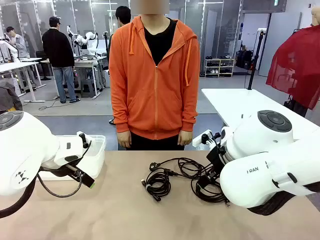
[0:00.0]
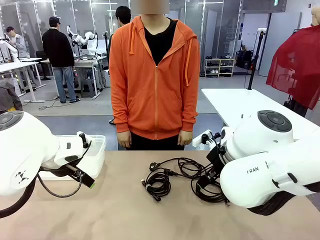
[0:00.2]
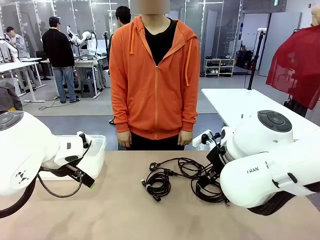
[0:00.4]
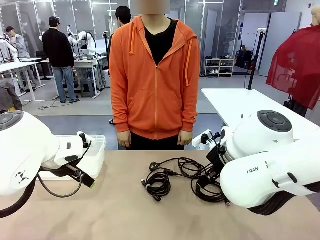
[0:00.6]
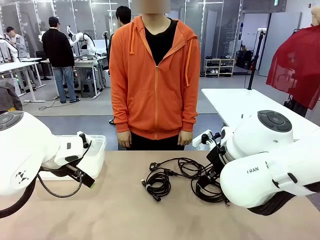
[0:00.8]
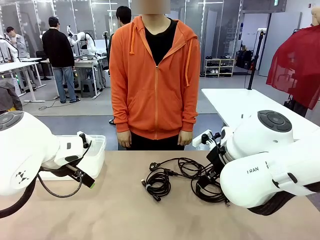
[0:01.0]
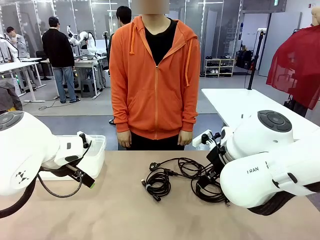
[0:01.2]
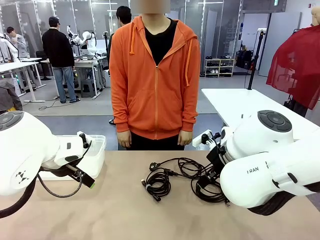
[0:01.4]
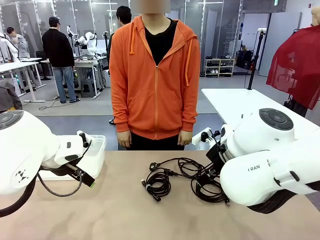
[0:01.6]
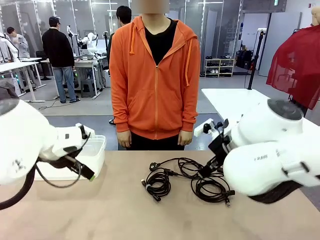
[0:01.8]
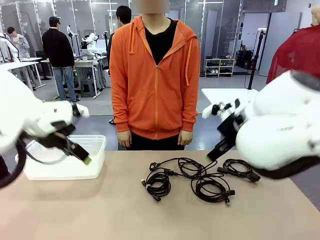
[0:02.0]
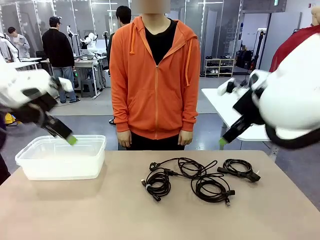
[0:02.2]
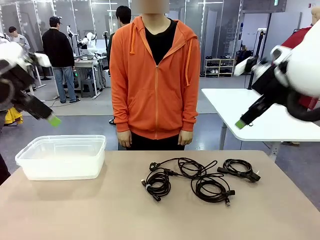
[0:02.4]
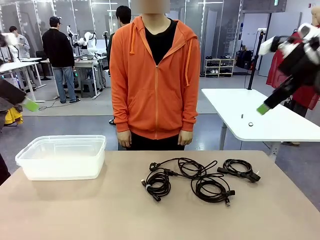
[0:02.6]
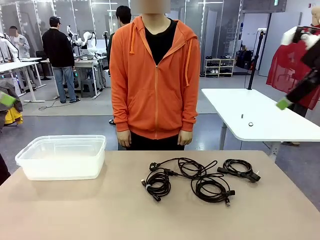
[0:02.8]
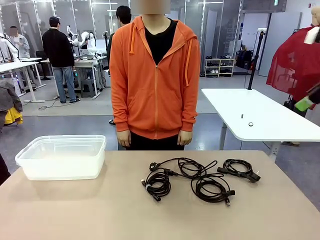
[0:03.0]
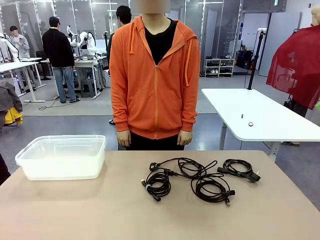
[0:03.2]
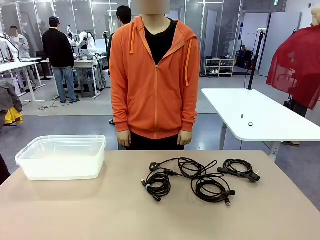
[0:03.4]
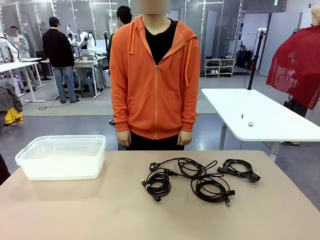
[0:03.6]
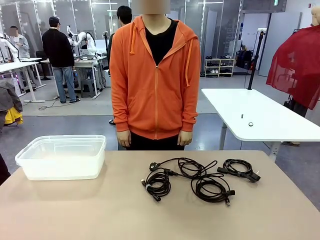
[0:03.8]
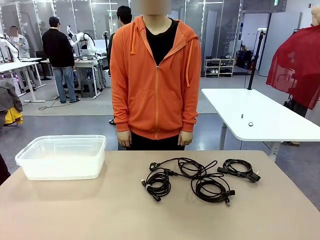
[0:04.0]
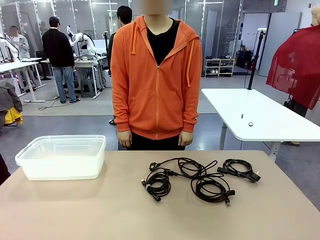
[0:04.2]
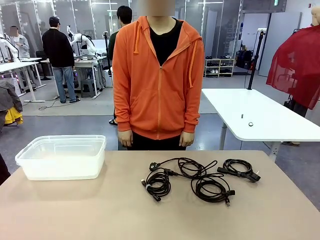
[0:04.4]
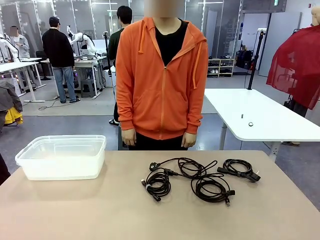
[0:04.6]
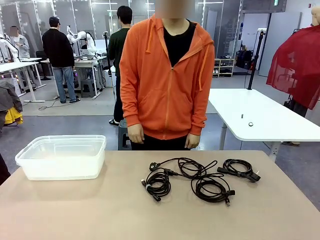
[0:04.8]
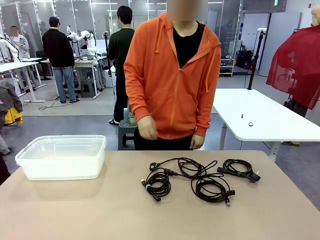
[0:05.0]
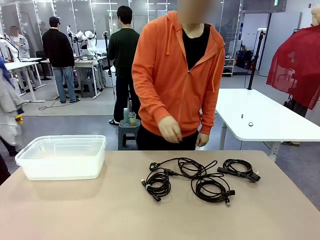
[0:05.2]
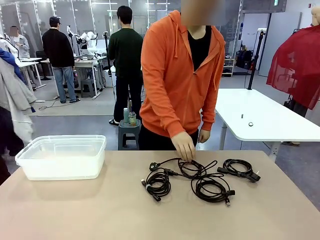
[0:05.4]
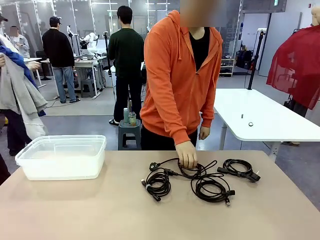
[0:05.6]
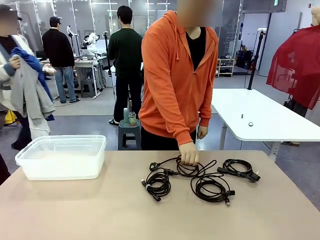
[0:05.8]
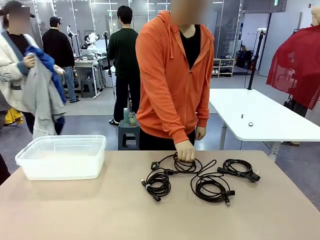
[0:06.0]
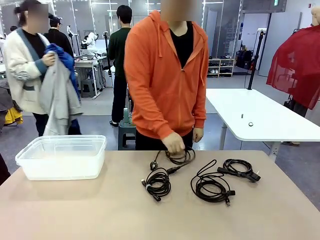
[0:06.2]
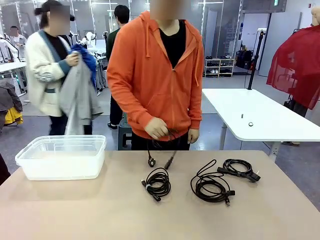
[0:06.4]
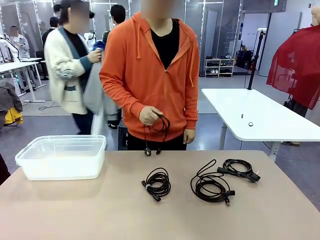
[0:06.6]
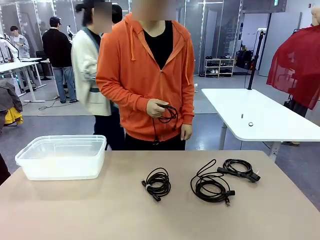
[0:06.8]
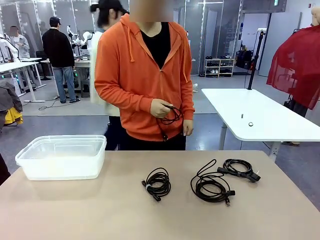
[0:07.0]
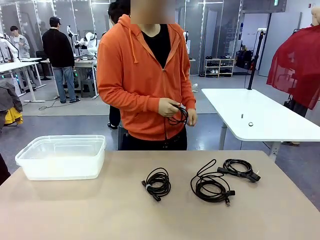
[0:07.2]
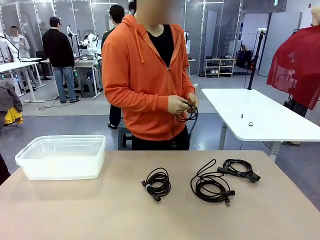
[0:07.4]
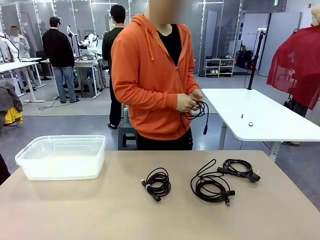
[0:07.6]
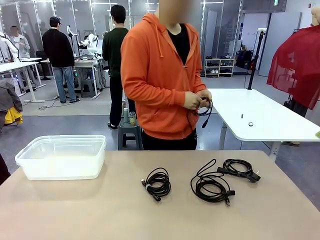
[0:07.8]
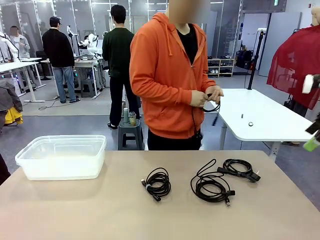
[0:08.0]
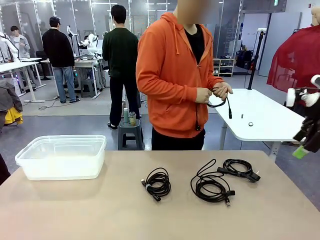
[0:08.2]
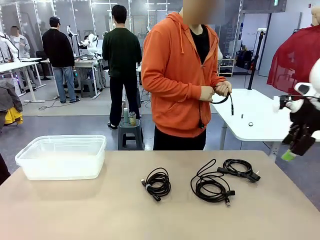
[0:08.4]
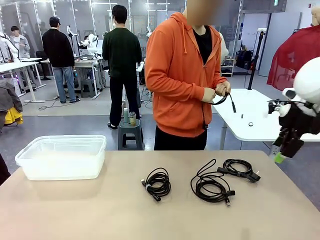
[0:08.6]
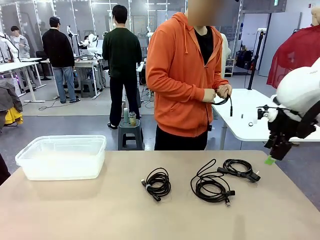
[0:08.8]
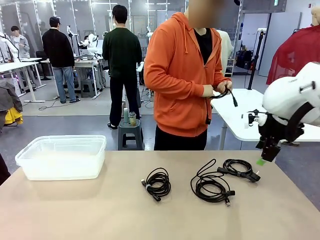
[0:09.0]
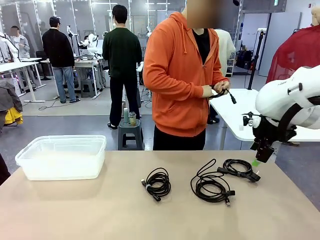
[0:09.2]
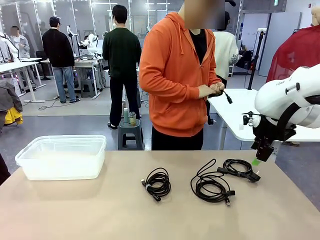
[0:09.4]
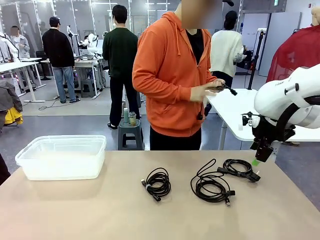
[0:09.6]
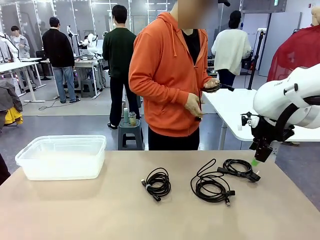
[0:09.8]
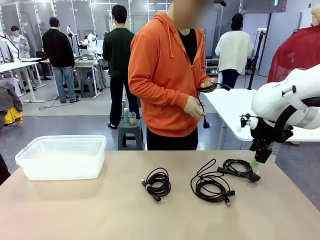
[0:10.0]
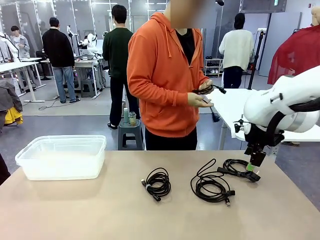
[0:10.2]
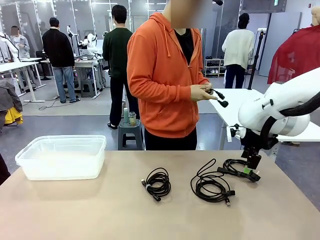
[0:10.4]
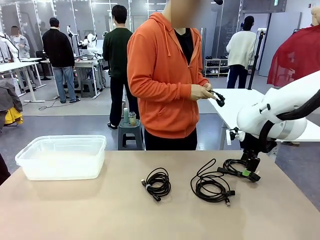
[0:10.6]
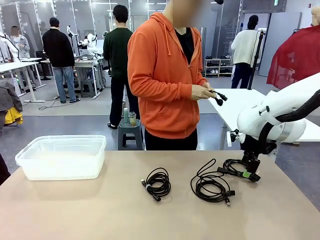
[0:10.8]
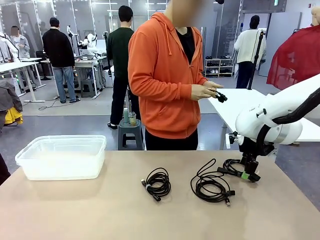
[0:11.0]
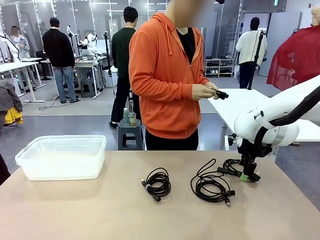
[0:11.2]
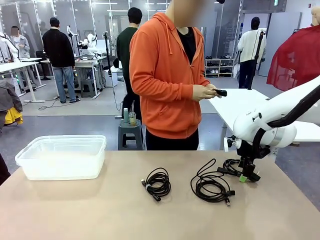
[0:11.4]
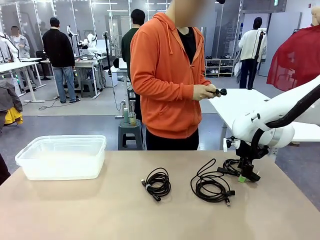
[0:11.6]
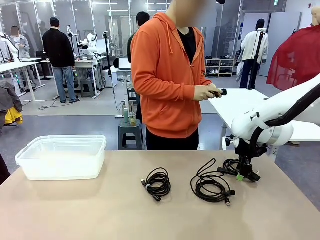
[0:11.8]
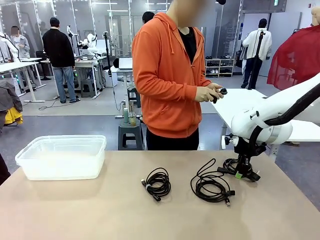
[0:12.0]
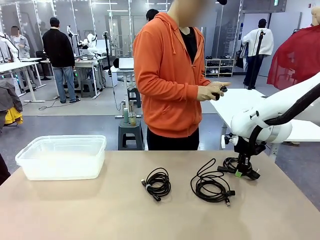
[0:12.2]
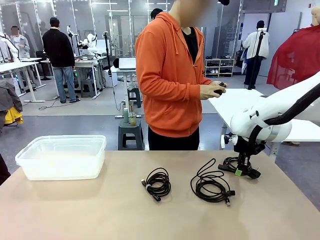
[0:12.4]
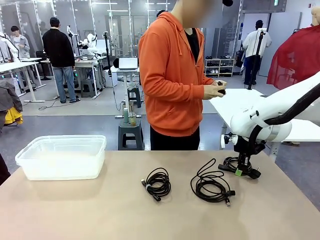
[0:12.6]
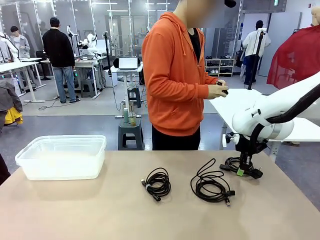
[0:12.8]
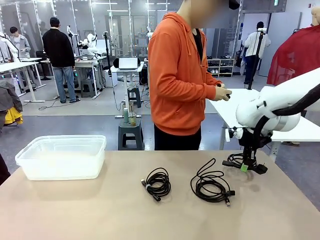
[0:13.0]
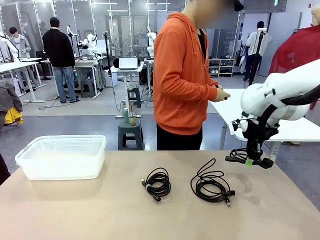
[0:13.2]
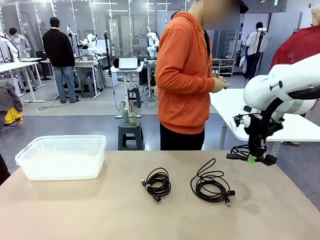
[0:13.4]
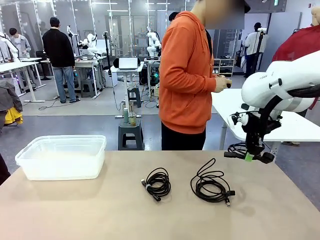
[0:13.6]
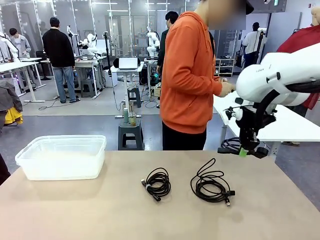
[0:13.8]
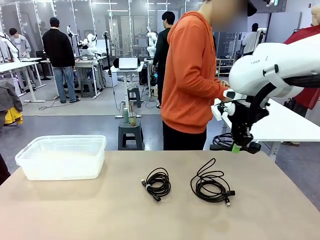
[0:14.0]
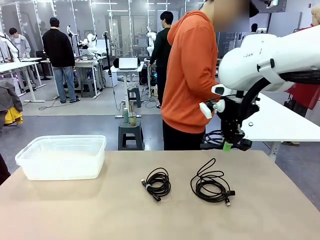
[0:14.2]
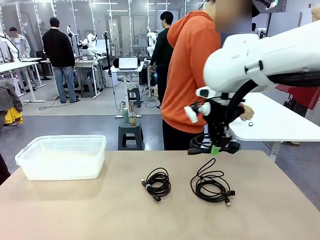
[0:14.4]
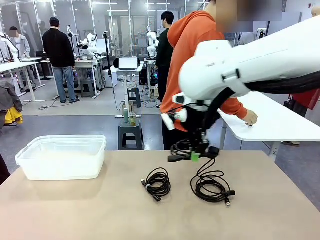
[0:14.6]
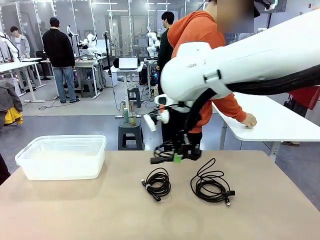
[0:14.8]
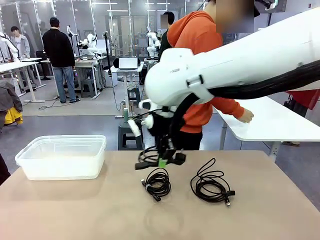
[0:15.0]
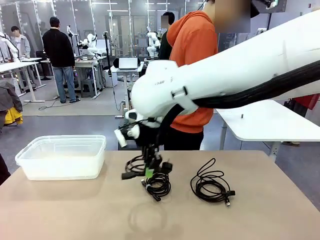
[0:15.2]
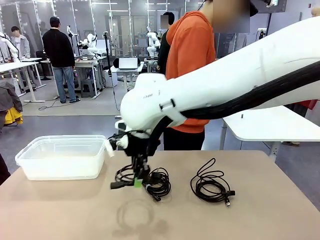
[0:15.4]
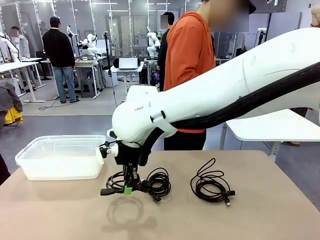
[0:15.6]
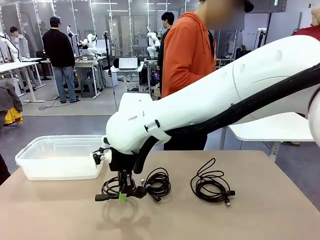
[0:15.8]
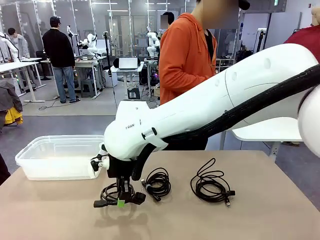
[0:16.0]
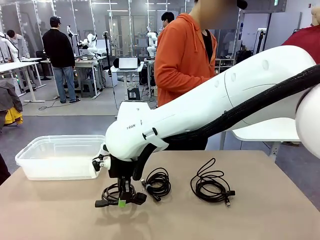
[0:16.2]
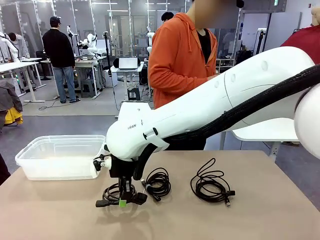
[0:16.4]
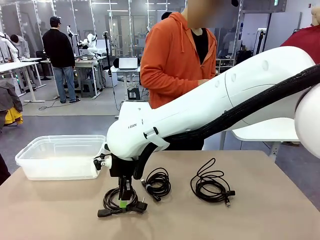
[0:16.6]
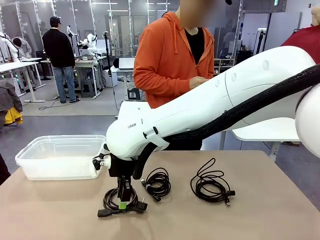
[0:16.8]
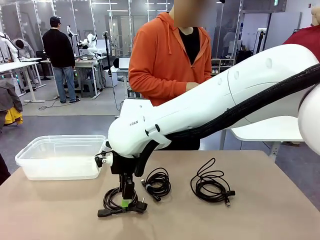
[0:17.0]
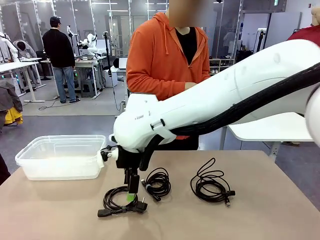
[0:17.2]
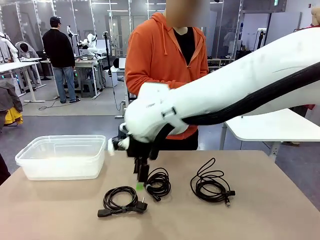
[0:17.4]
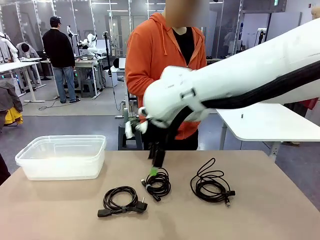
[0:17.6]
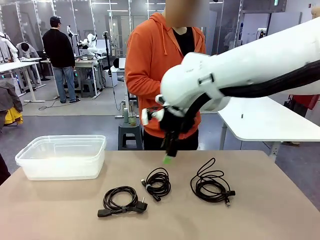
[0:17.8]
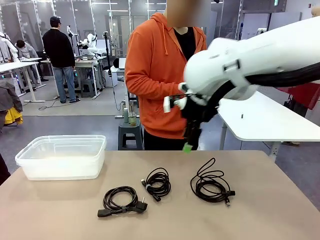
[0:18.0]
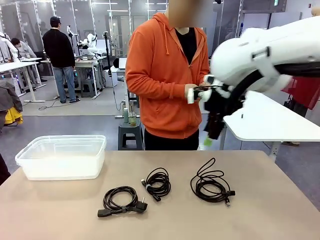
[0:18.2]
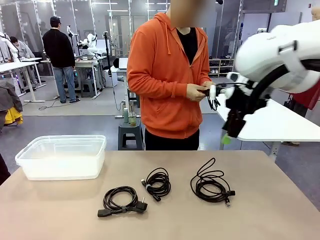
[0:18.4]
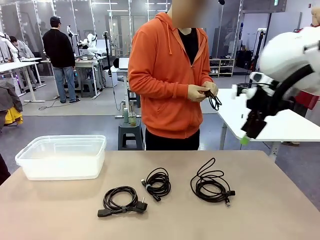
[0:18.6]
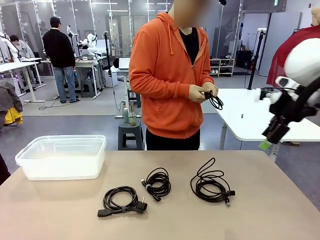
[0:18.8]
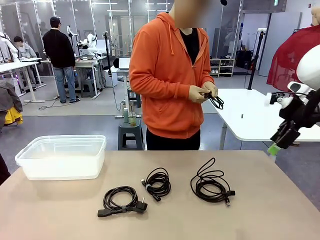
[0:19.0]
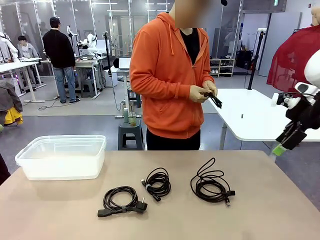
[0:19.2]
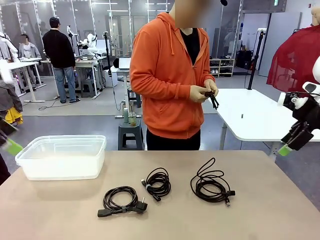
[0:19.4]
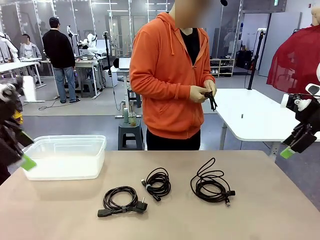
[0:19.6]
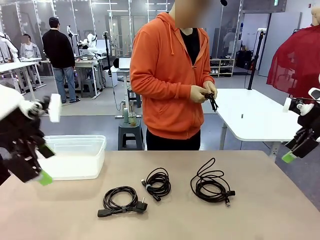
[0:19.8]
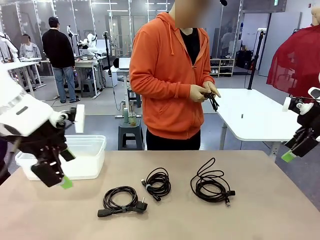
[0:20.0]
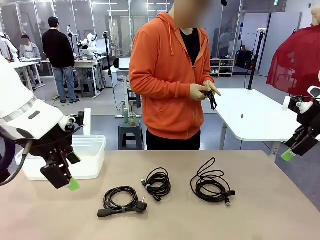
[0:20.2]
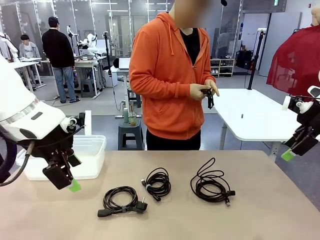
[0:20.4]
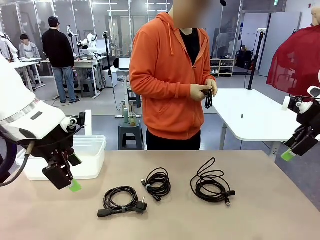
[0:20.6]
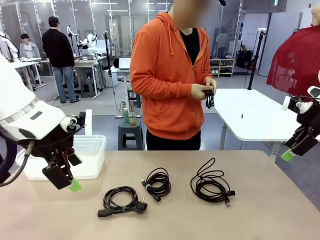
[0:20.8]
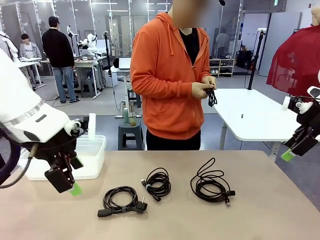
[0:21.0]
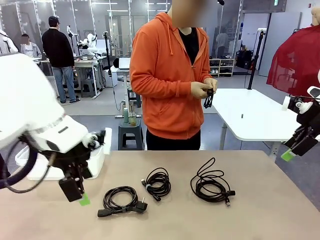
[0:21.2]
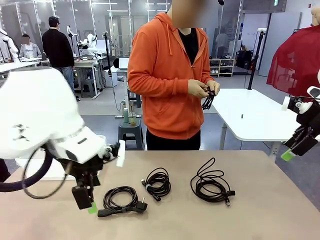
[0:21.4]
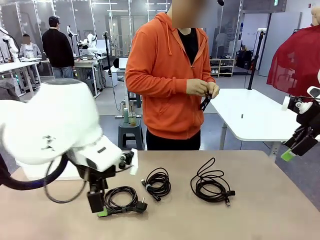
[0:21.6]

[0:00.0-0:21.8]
Task: Organize and store the cables.
Robot: Place the Power Cable into the Organizing box.
Person: Tie one Power Cable with a Reusable Cable Tie.
